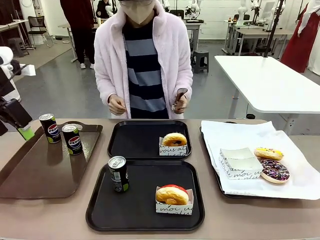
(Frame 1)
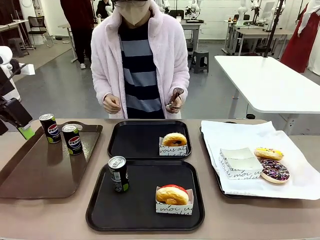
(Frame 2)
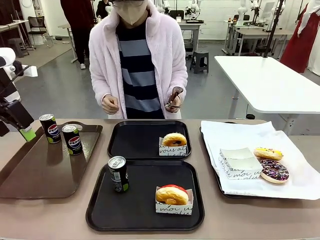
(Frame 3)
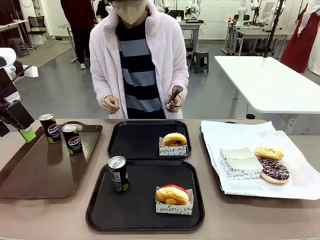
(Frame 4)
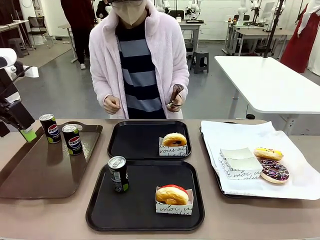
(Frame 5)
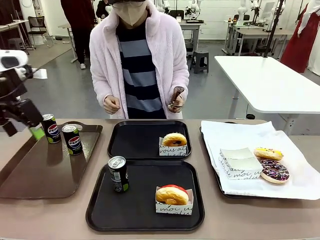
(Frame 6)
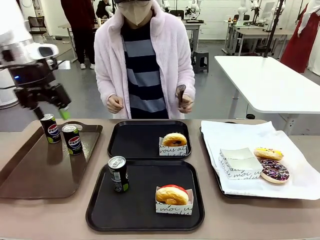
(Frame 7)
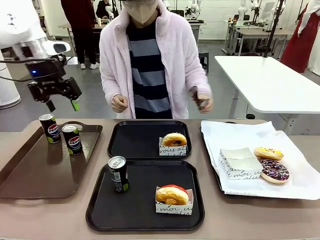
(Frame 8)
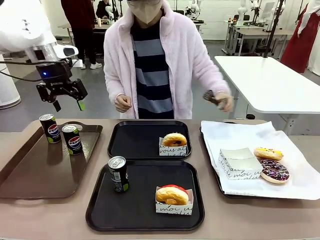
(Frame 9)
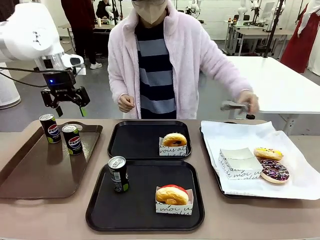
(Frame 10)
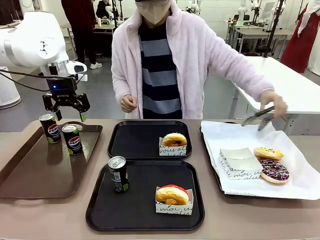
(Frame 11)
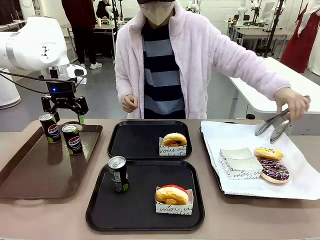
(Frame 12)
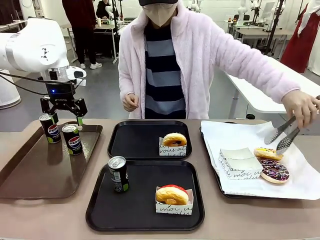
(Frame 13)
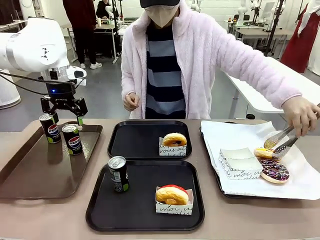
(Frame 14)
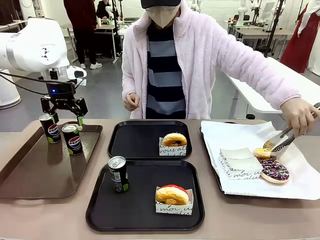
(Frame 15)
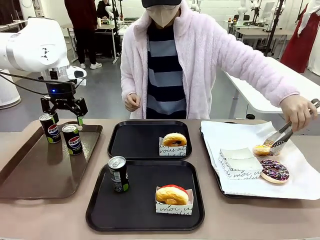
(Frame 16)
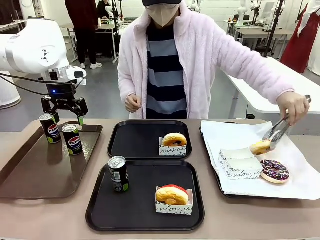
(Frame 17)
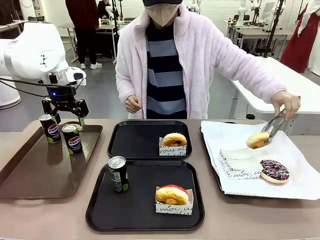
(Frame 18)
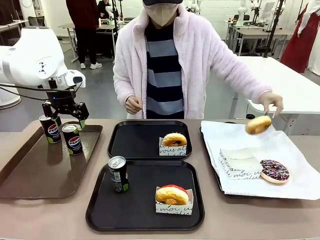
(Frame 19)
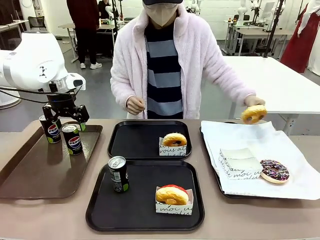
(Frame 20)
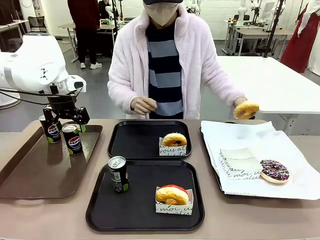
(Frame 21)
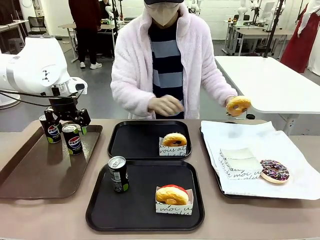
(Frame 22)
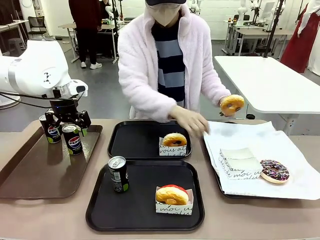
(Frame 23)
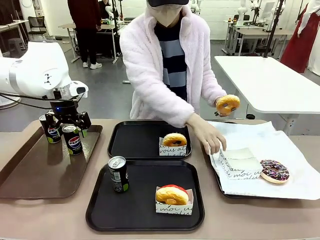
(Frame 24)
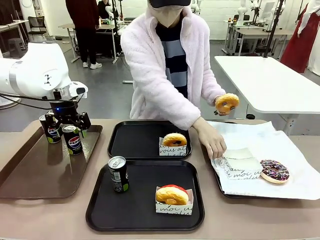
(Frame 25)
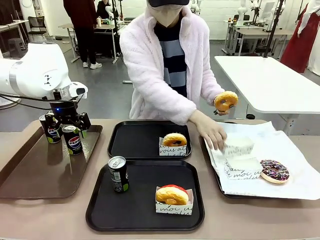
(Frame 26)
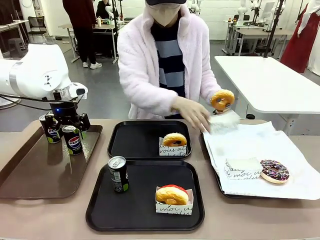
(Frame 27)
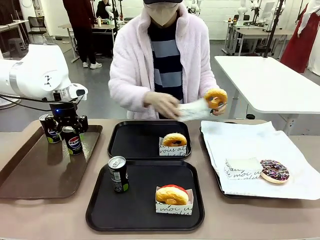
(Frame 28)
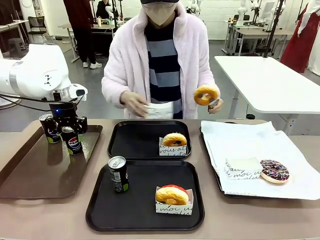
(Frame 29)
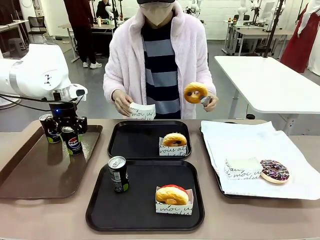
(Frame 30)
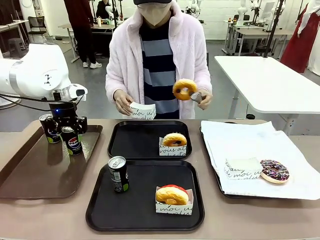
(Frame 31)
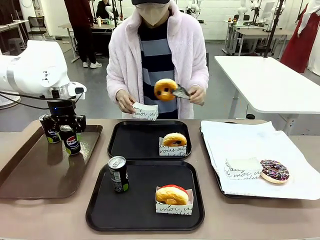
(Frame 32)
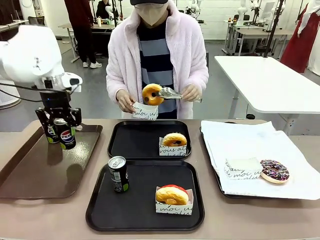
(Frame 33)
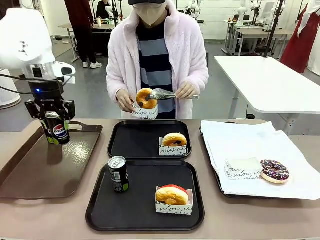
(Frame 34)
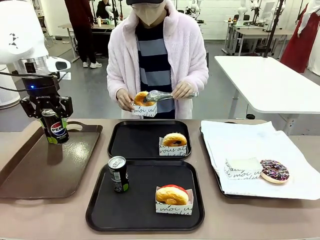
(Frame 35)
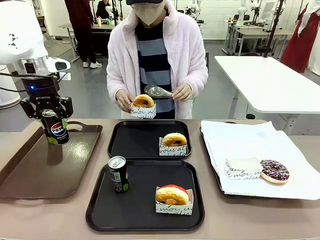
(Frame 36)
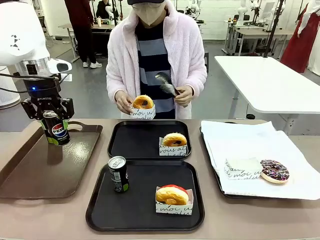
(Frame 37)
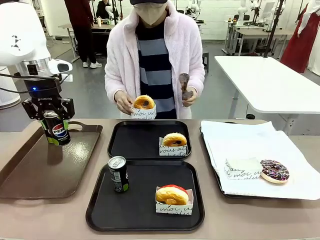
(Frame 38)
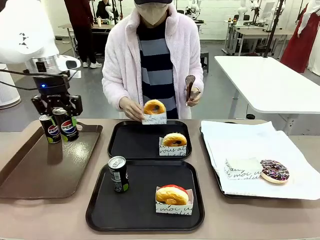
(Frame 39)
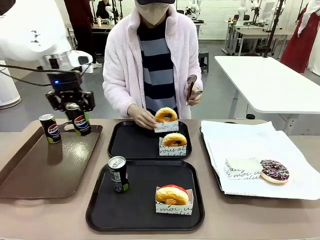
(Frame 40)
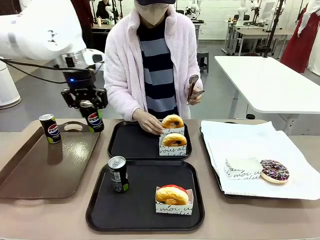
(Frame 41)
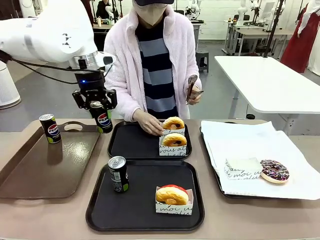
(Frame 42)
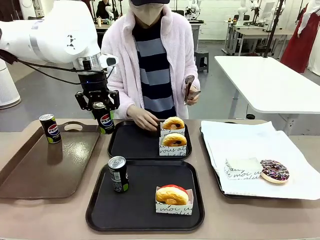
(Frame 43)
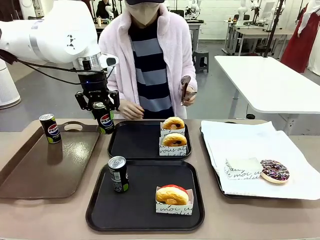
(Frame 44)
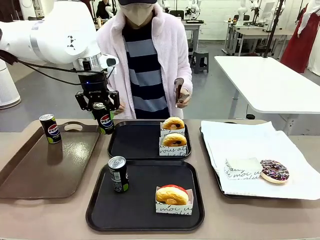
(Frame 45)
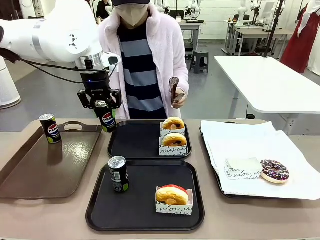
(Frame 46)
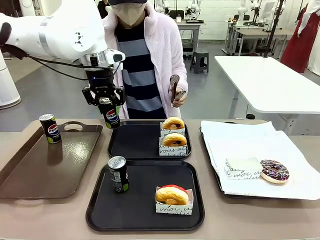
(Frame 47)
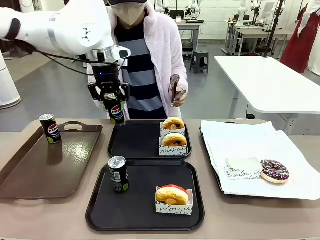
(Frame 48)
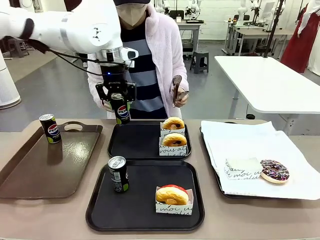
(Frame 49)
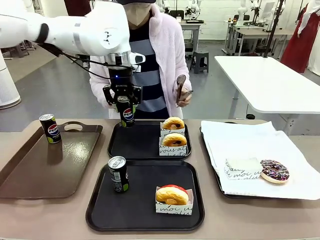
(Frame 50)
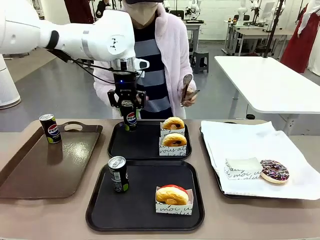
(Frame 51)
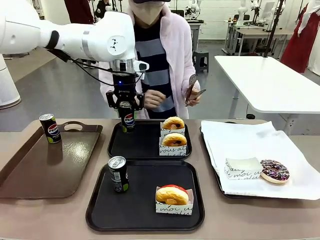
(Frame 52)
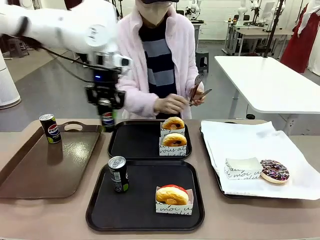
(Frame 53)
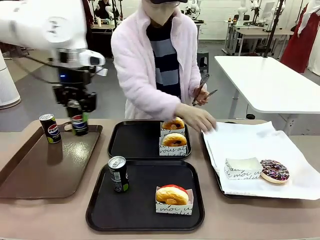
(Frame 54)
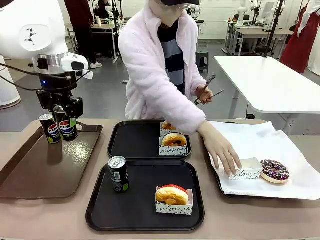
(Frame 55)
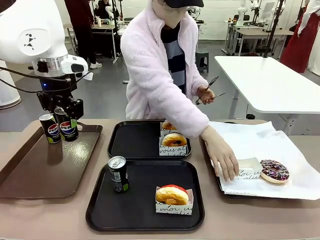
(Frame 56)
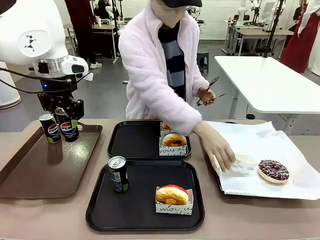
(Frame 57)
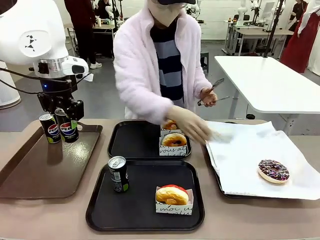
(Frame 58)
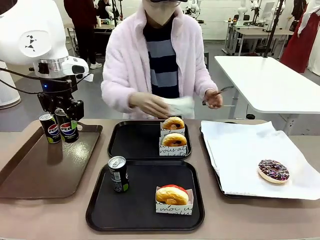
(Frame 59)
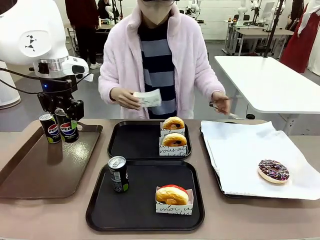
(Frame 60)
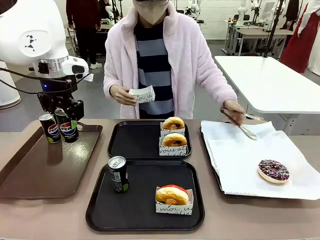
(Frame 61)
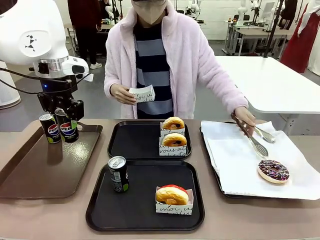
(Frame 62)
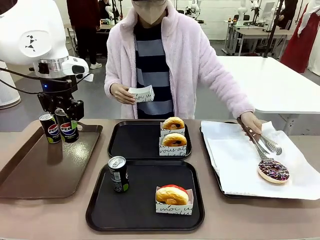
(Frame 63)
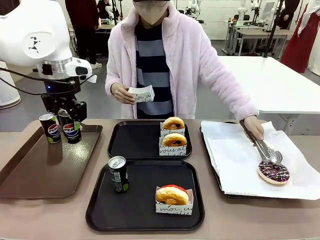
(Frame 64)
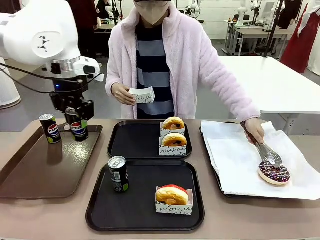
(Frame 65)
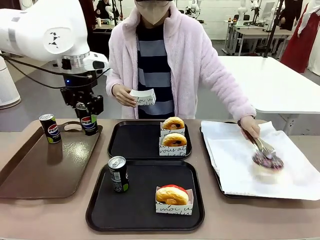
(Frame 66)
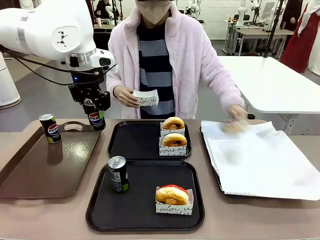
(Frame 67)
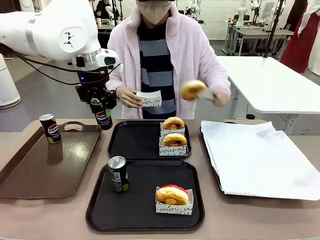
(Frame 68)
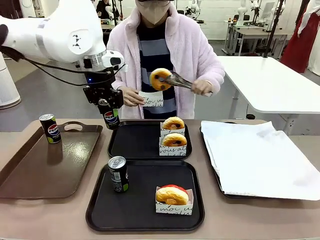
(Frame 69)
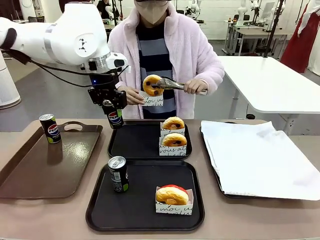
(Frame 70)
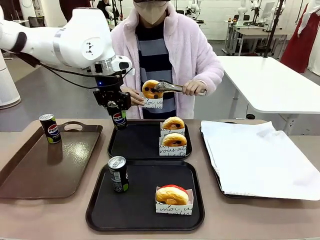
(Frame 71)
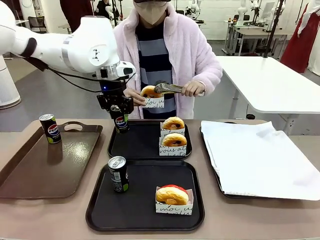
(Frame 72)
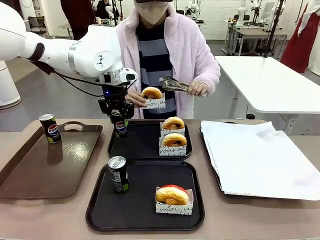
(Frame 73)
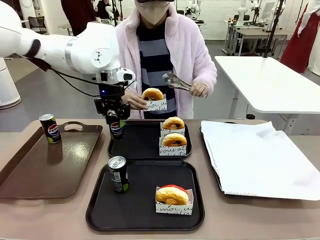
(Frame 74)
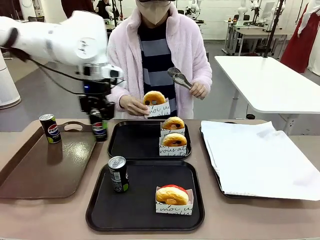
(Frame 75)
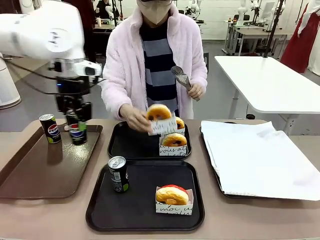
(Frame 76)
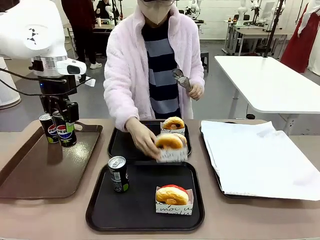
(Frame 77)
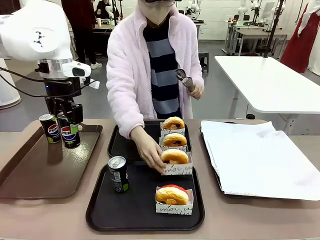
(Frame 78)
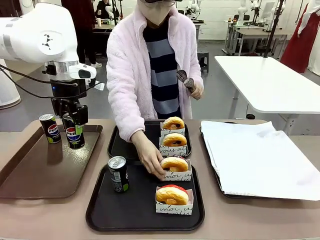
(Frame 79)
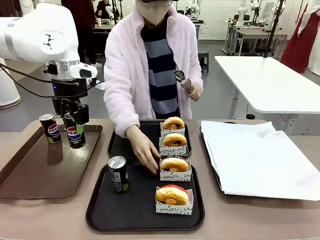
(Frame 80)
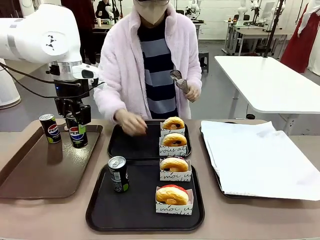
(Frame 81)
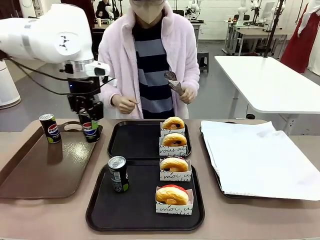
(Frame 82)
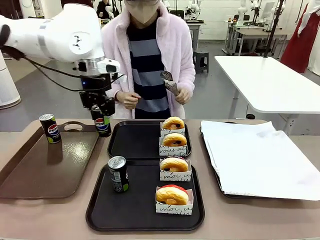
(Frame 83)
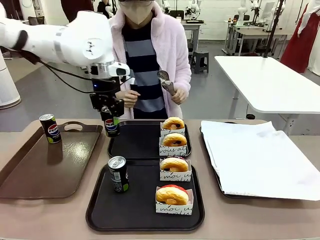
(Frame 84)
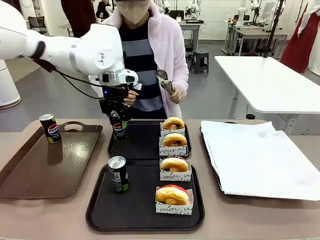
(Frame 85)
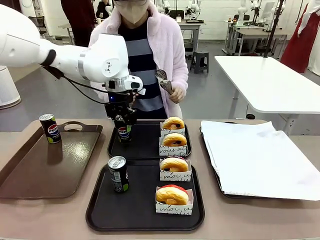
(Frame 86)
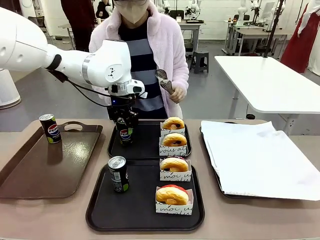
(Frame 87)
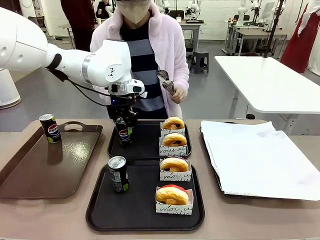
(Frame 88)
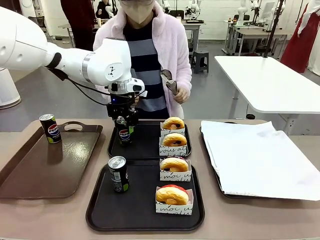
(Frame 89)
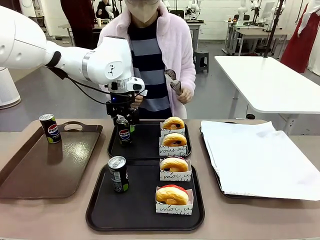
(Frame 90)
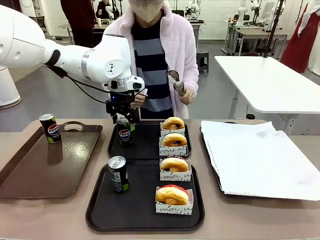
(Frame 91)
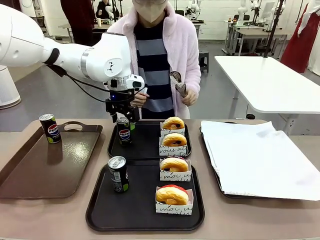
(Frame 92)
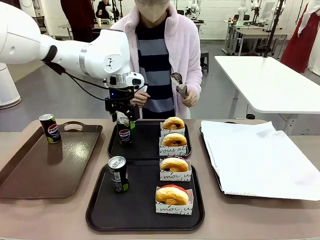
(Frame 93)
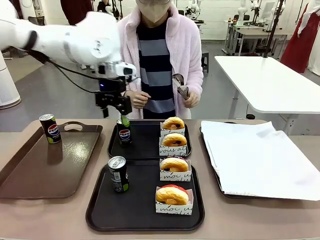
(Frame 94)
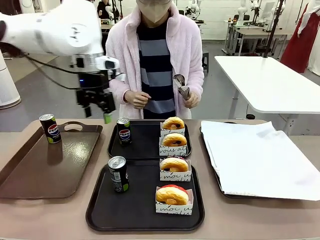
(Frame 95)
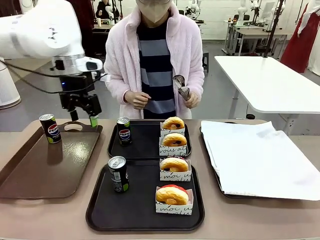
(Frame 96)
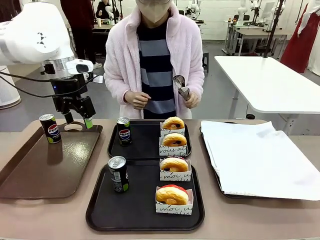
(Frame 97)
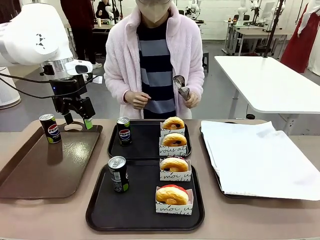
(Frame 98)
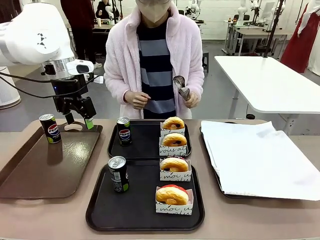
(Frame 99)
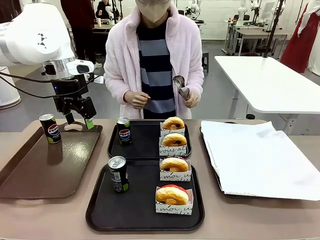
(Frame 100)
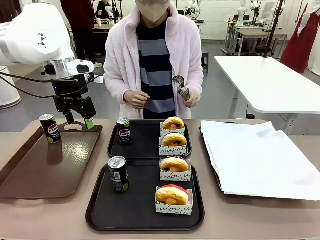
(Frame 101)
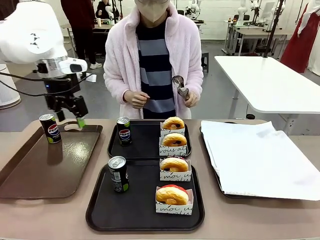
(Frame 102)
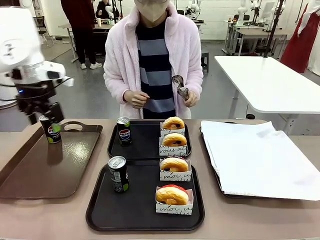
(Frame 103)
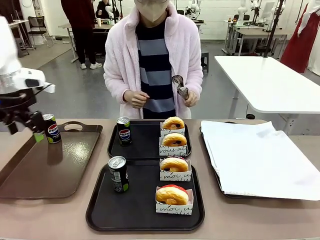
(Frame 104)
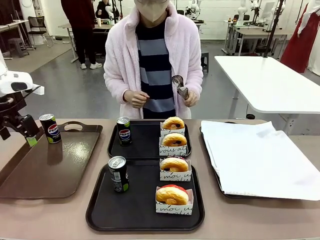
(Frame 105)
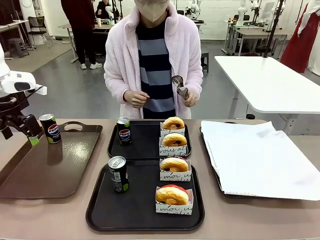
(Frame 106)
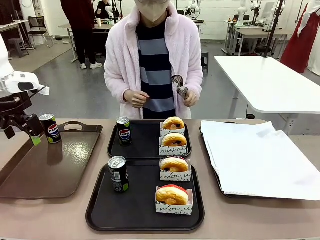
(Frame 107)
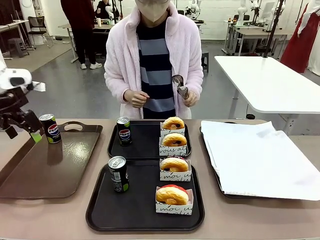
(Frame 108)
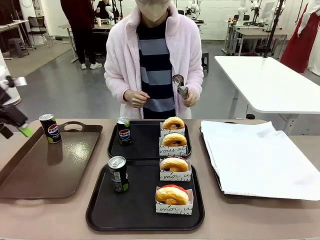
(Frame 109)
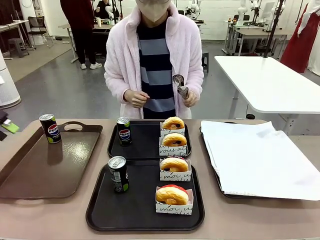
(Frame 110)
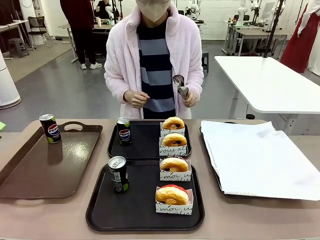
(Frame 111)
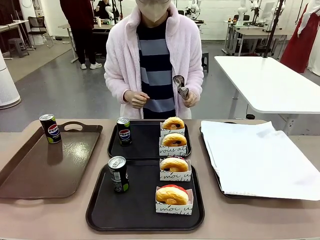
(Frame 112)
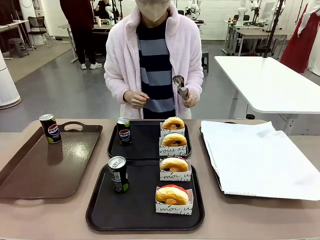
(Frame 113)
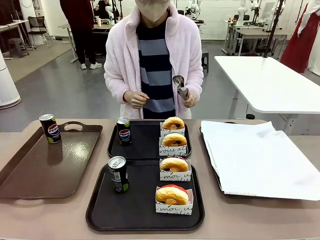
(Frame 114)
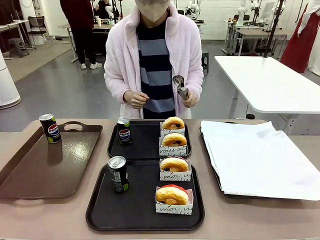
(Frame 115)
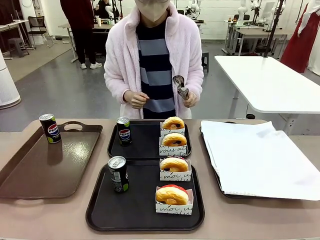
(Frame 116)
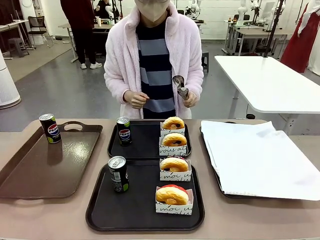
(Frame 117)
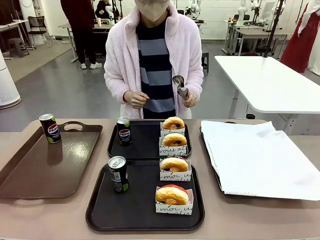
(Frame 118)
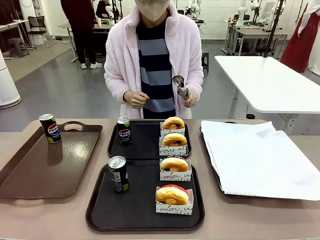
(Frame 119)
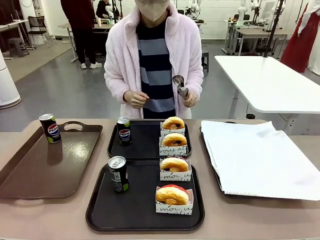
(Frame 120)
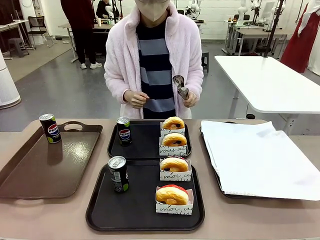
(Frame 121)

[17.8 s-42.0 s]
Task: Set up donuts and drinks on trays.
Robot: Pick up one Pepsi coke from the Handle tray and place it on the Flat Tray without a Pepsi coke.
Person: Pick up one donut with tongs, place it in the donut tray, and then place the donut tray on the flat tray.
